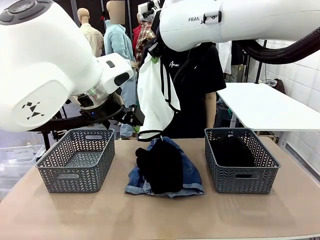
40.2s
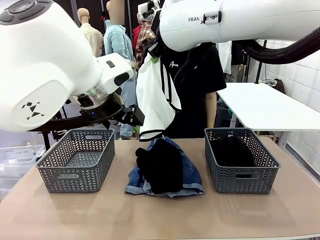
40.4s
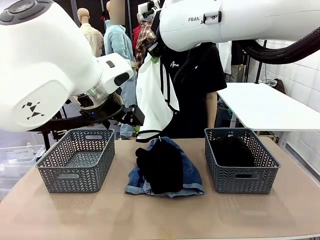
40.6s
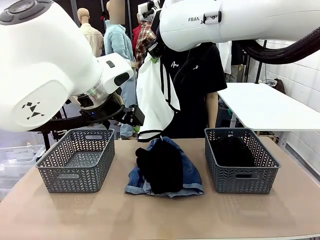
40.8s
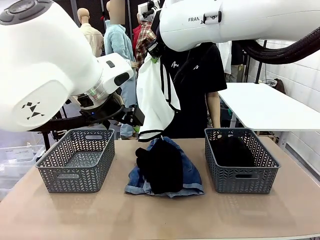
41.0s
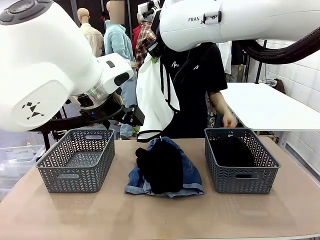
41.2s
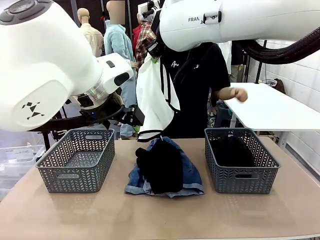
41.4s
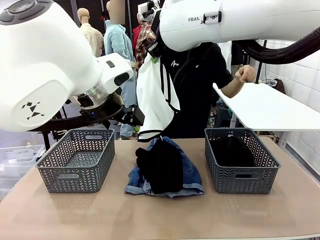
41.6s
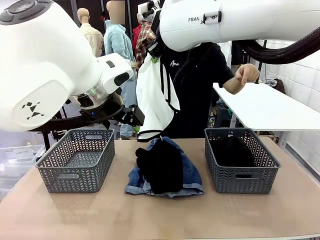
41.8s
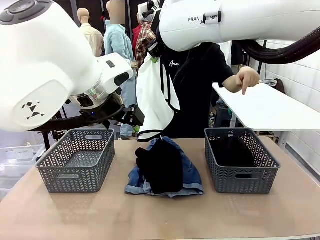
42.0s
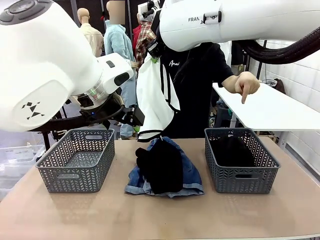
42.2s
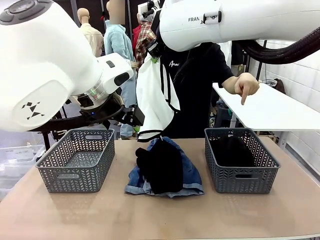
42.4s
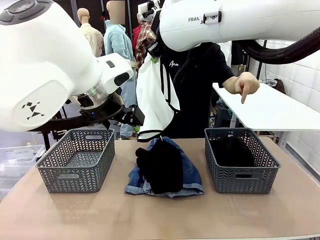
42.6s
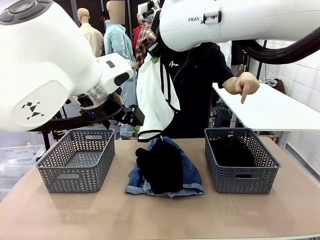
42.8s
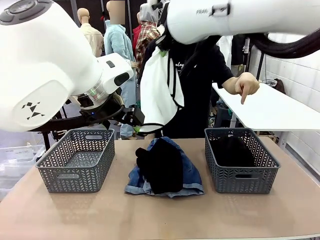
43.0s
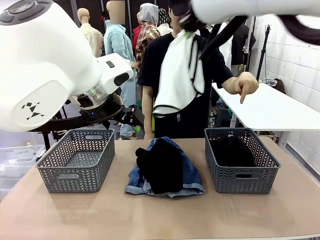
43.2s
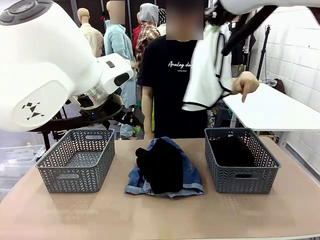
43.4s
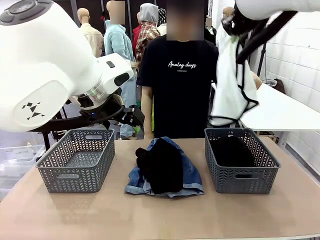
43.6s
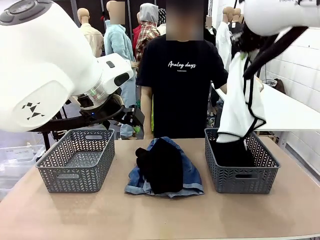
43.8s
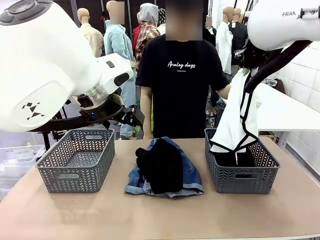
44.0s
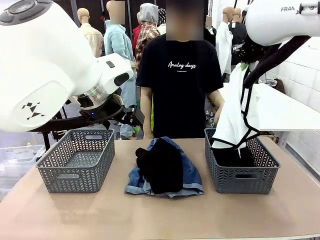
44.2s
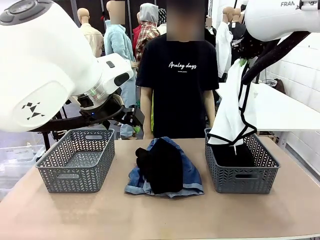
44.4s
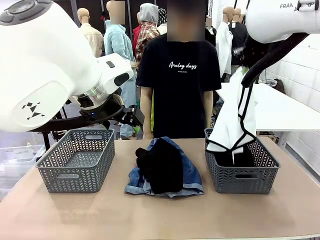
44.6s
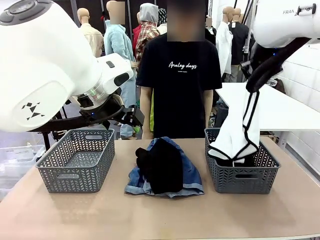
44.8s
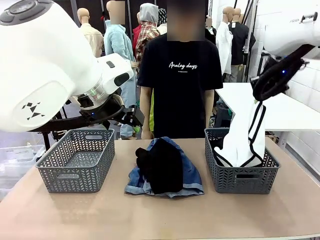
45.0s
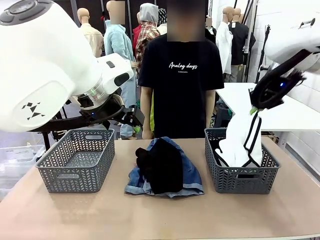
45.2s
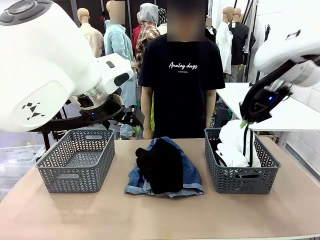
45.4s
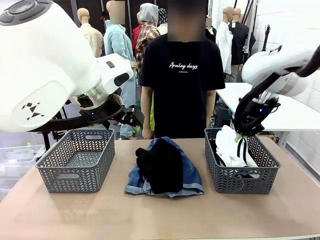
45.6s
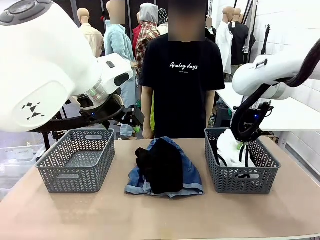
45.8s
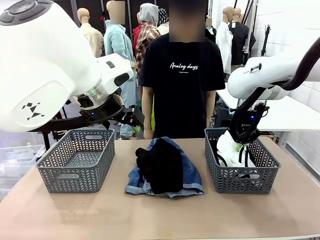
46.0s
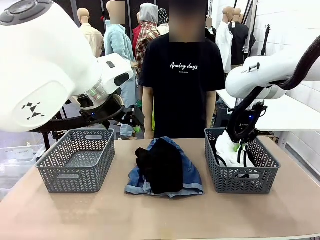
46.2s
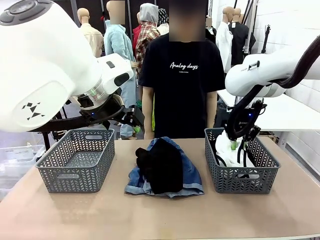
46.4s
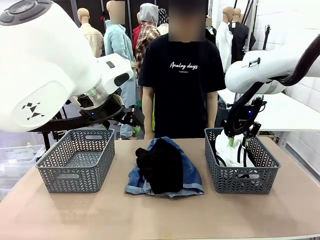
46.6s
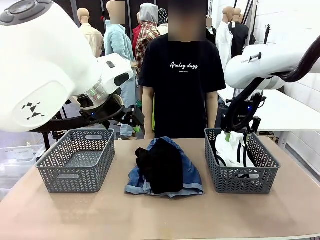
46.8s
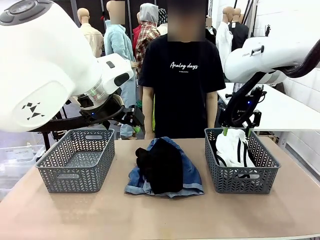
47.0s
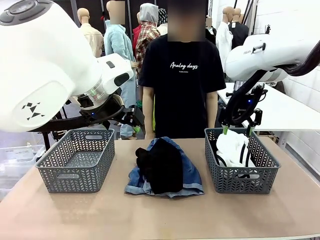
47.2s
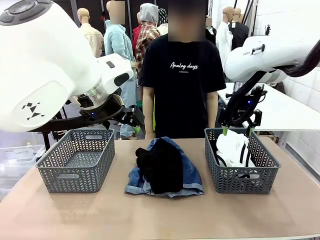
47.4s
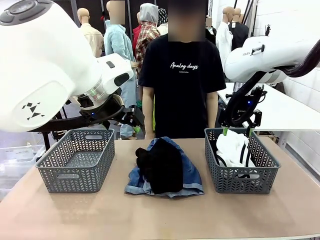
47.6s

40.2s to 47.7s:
Task: Sort the tops and bottoms.
Robot: Sort the clothes according to human instructions.

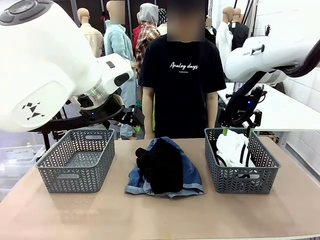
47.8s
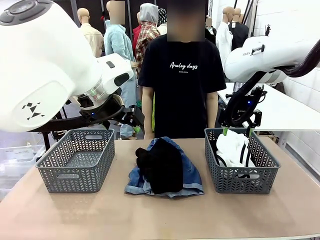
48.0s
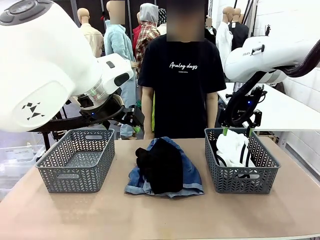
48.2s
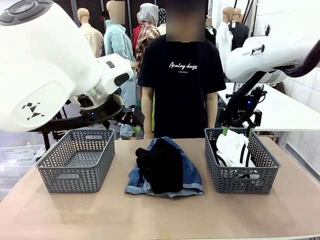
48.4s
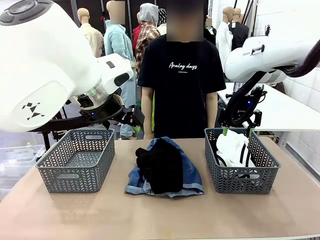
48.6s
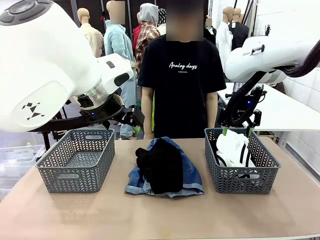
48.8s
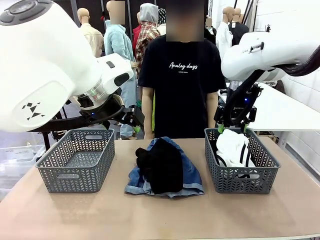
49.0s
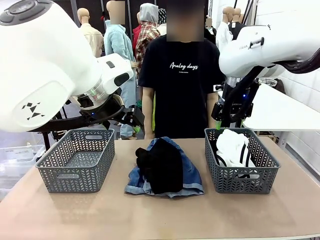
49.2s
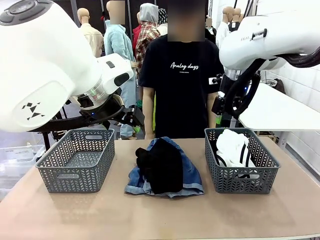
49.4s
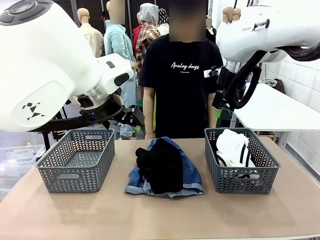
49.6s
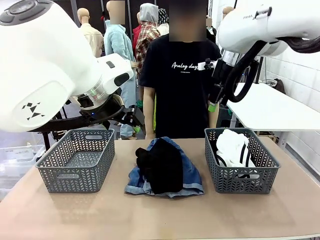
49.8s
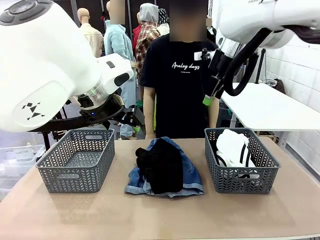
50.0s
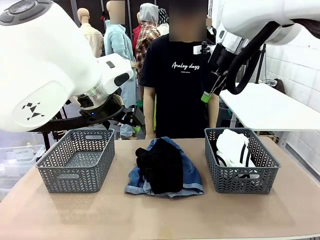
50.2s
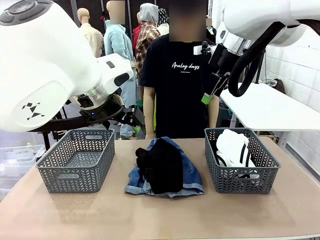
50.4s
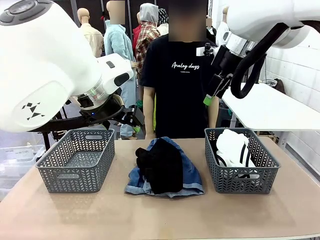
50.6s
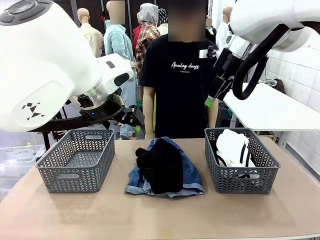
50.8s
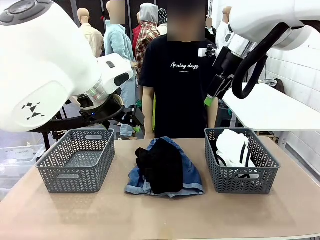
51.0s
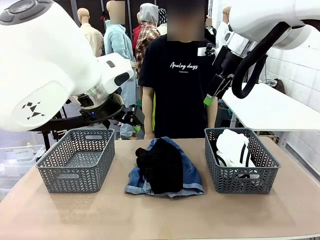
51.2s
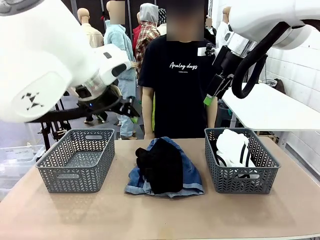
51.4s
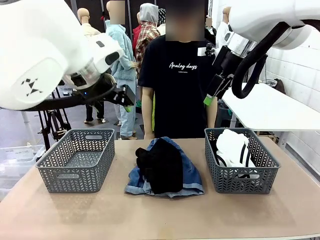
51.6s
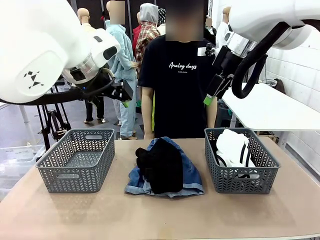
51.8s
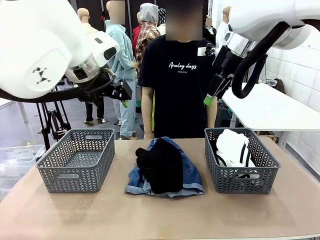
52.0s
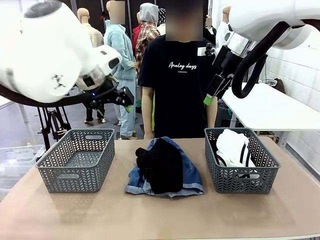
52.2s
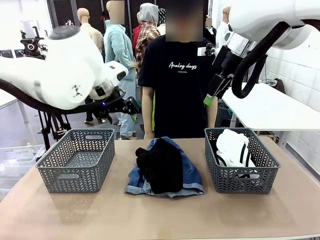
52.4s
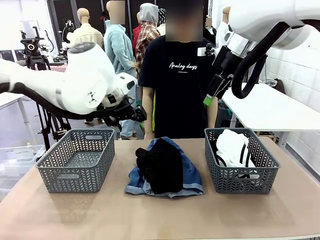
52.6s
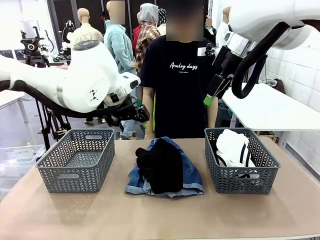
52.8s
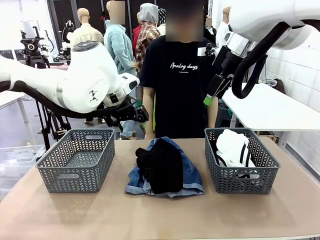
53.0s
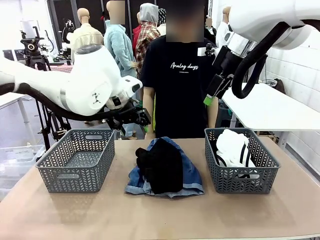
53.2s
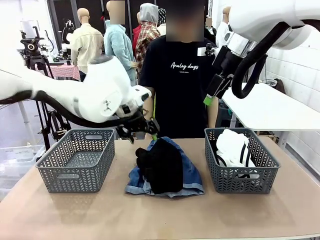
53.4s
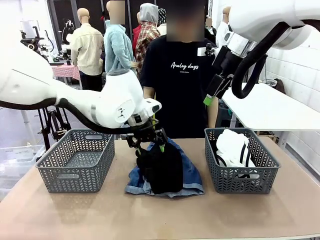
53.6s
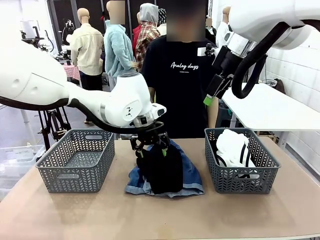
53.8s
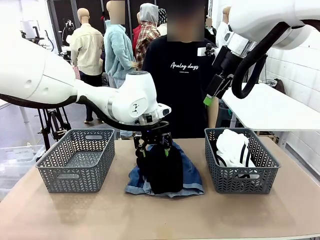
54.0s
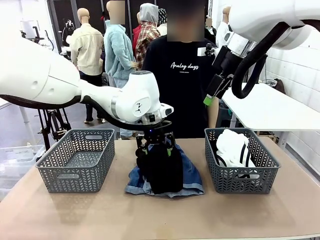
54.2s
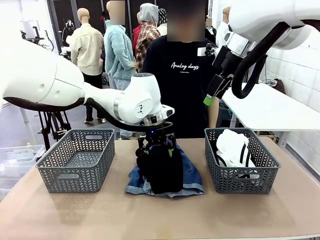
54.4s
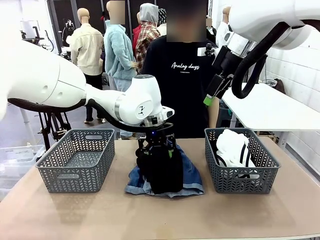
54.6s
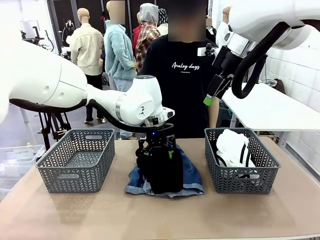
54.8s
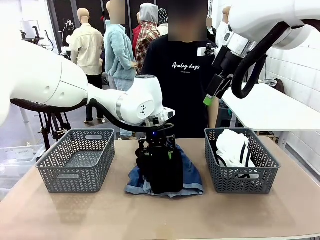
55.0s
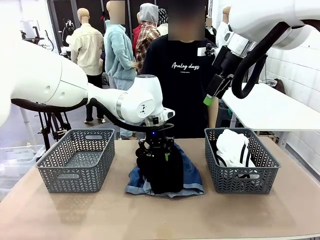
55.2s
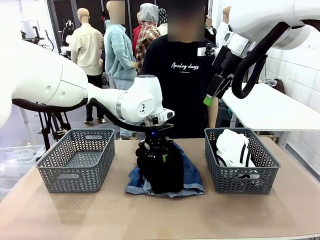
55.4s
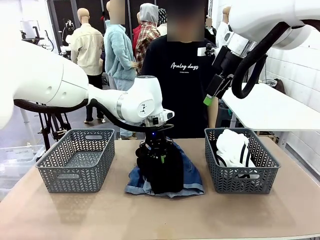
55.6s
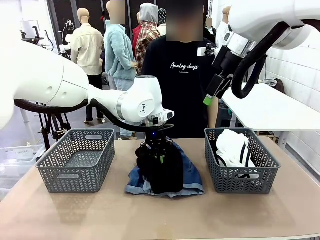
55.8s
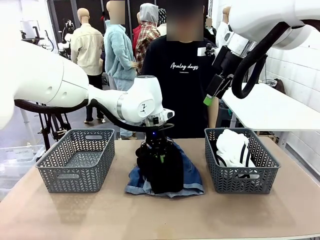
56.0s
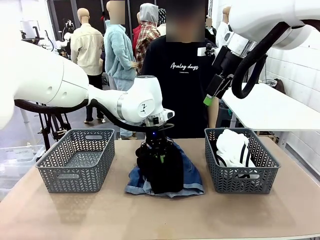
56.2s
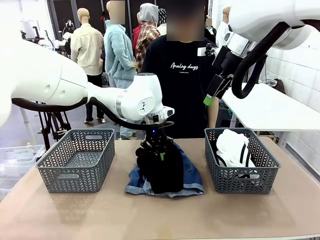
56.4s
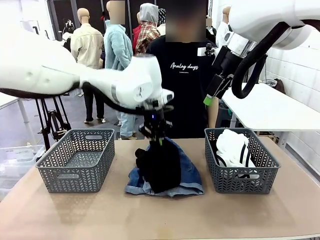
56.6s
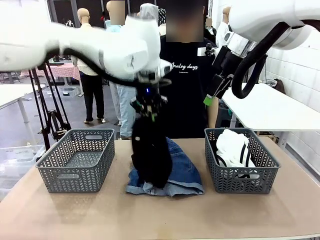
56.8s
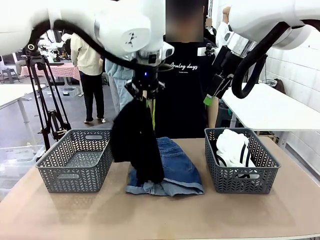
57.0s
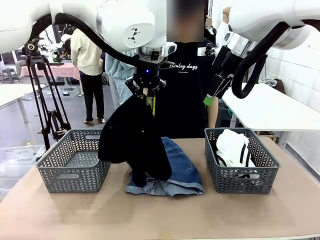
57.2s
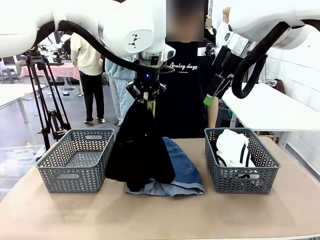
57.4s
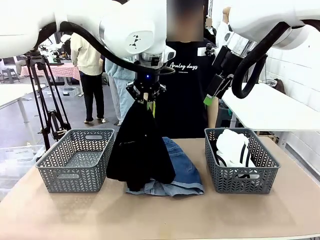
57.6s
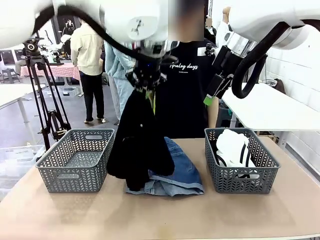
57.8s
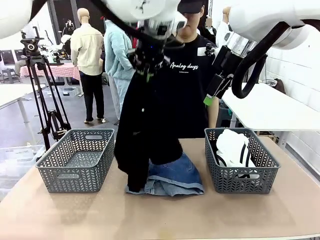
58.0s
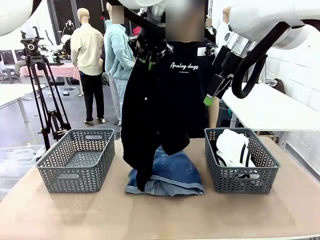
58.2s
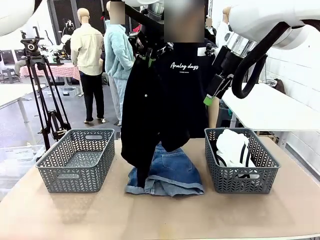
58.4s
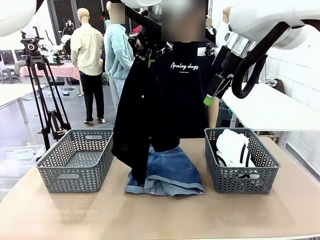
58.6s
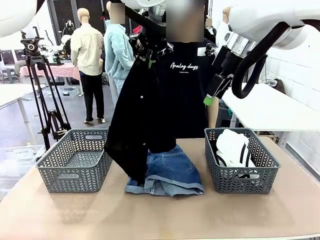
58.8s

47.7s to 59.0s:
Robot: Lift clothes from the center of the table with your left hand.
